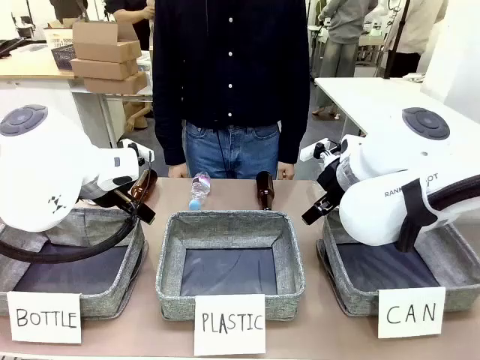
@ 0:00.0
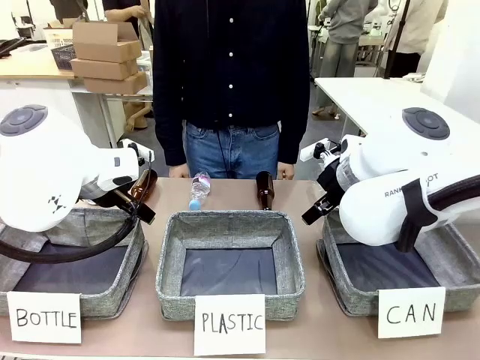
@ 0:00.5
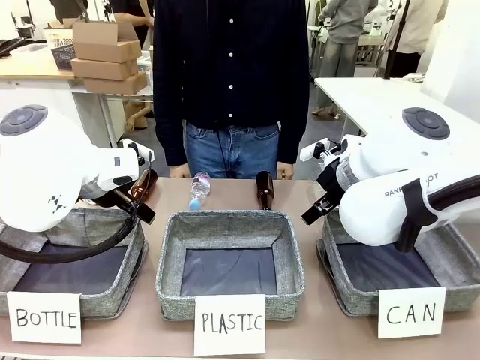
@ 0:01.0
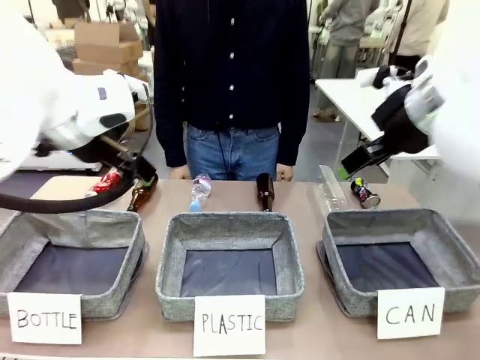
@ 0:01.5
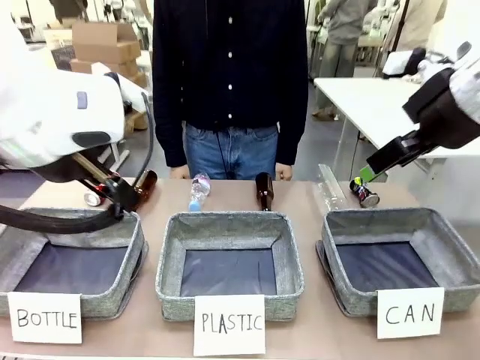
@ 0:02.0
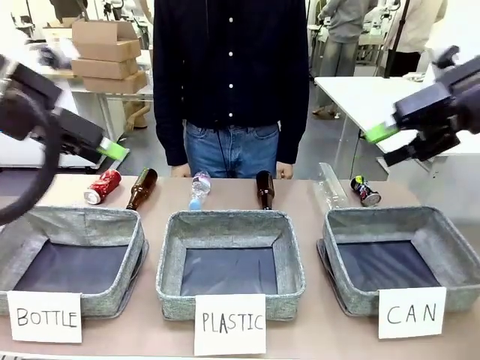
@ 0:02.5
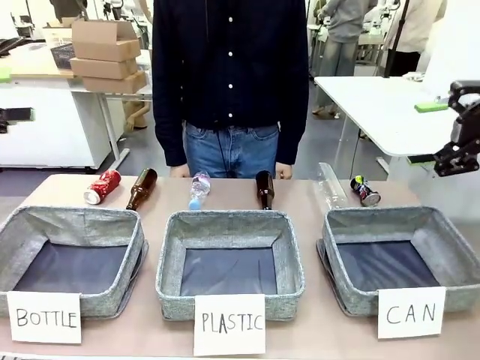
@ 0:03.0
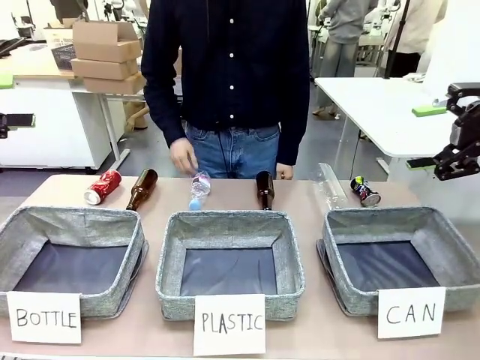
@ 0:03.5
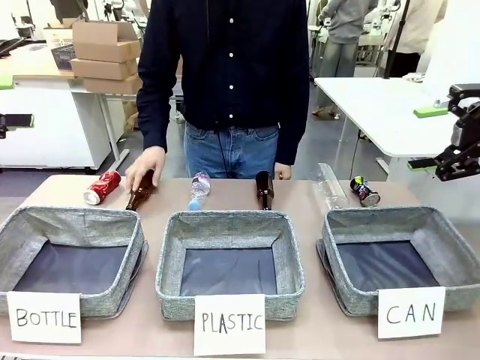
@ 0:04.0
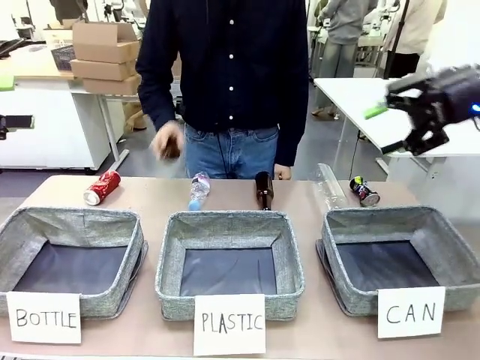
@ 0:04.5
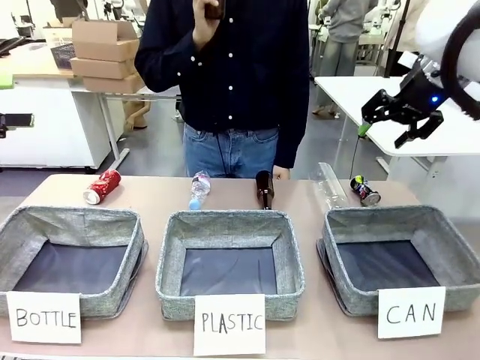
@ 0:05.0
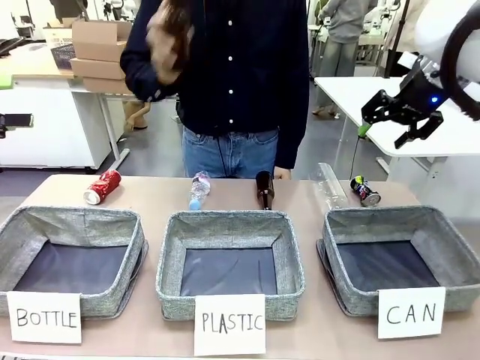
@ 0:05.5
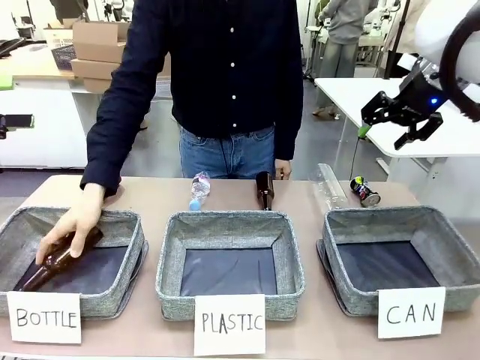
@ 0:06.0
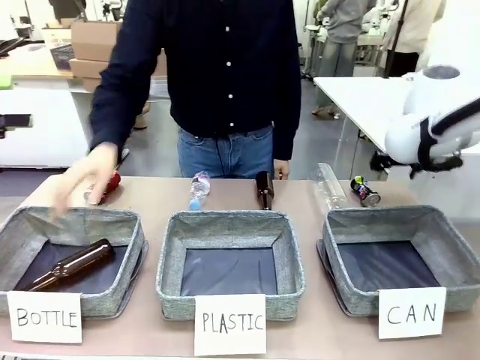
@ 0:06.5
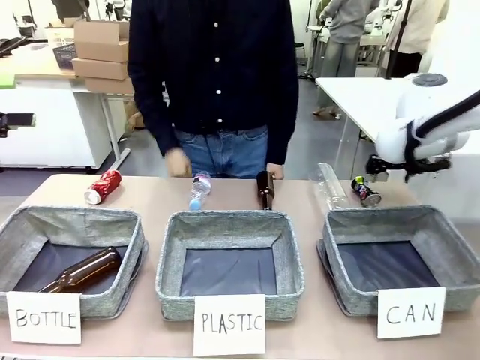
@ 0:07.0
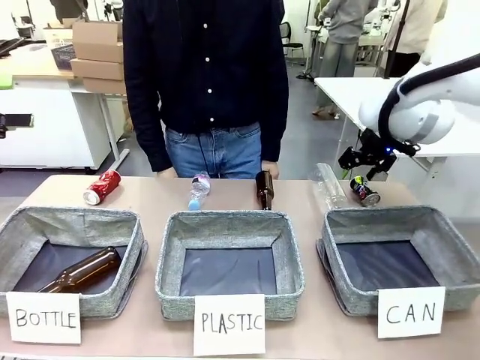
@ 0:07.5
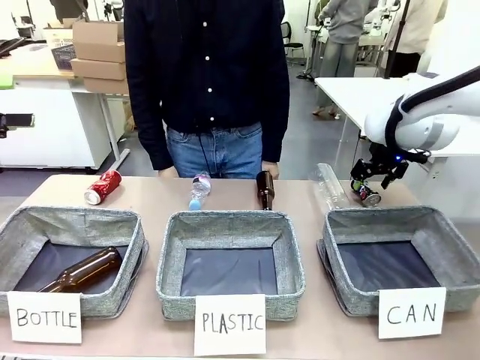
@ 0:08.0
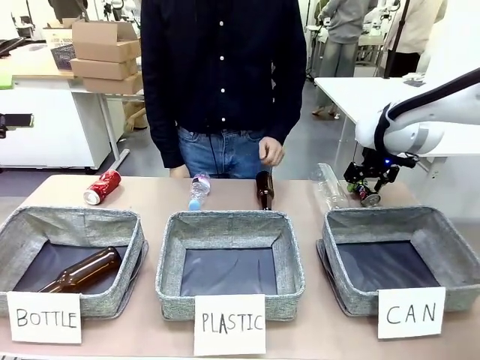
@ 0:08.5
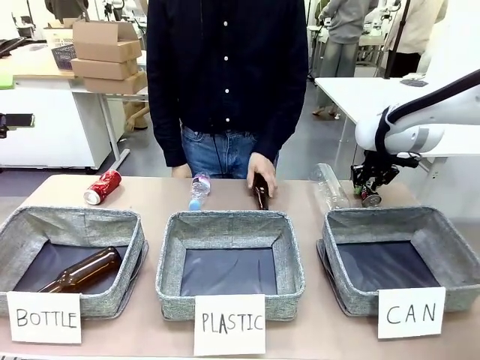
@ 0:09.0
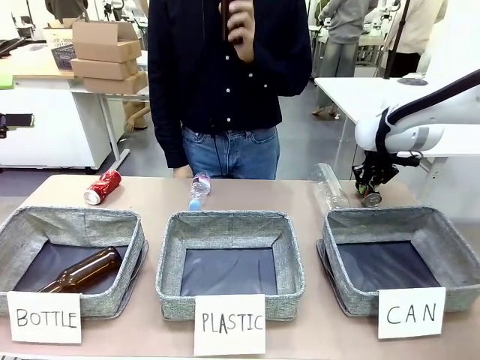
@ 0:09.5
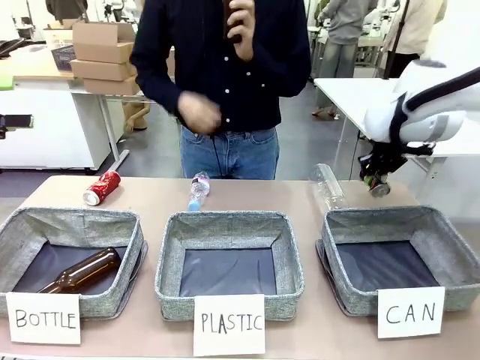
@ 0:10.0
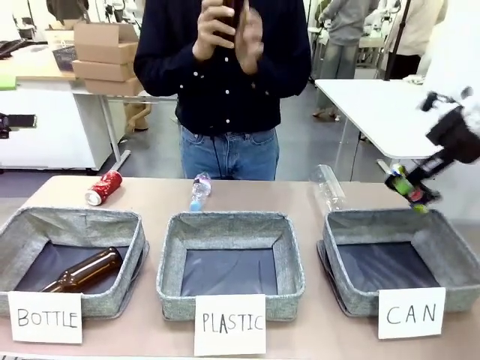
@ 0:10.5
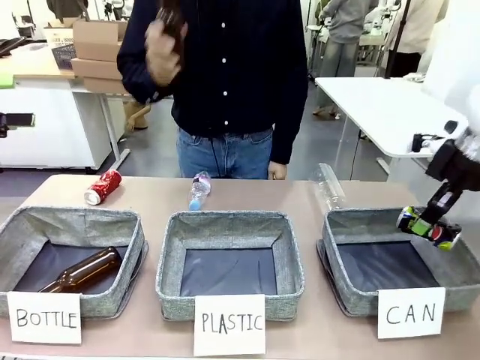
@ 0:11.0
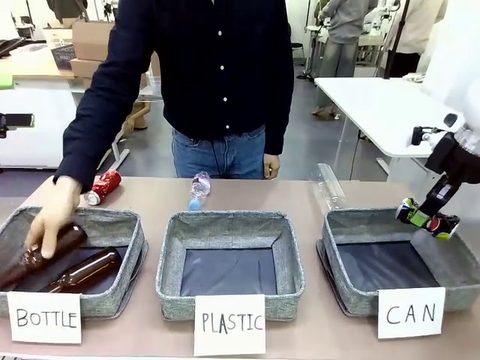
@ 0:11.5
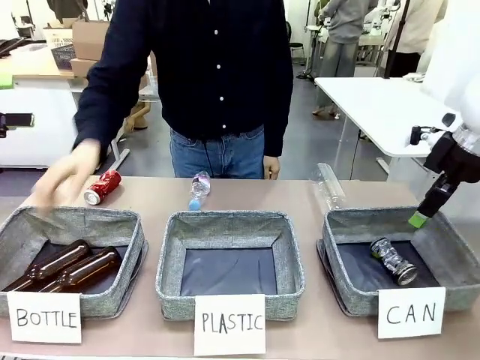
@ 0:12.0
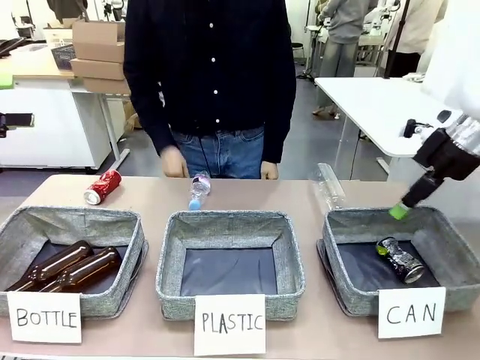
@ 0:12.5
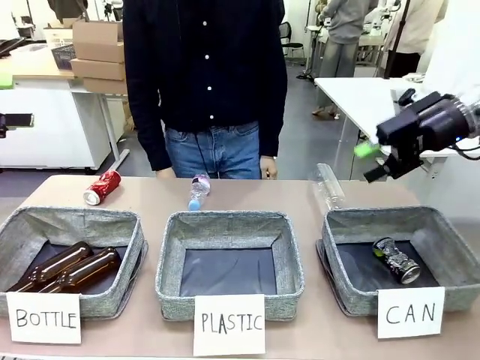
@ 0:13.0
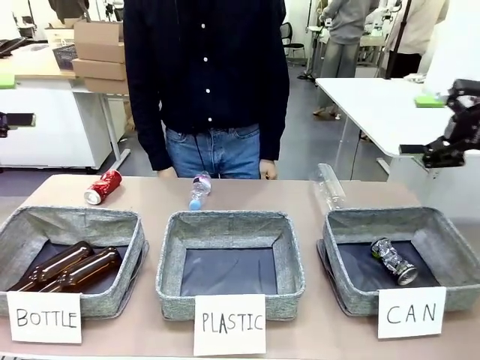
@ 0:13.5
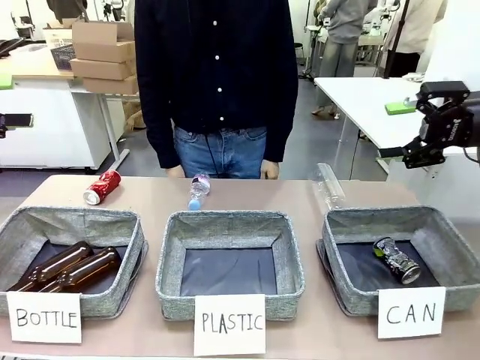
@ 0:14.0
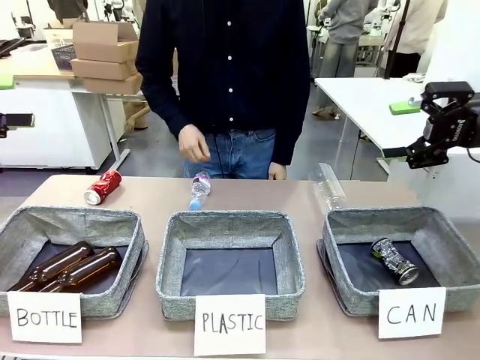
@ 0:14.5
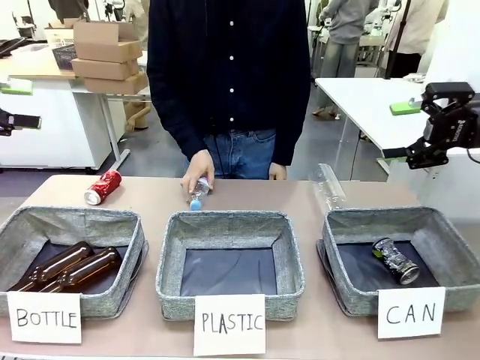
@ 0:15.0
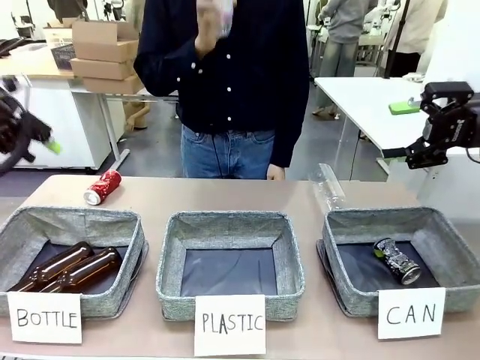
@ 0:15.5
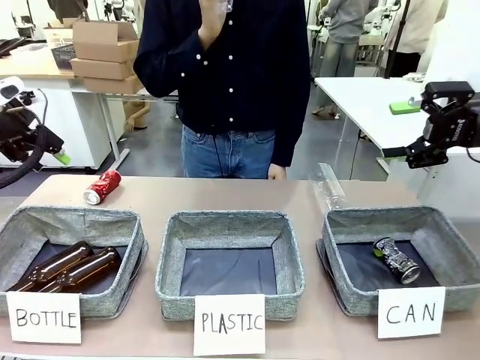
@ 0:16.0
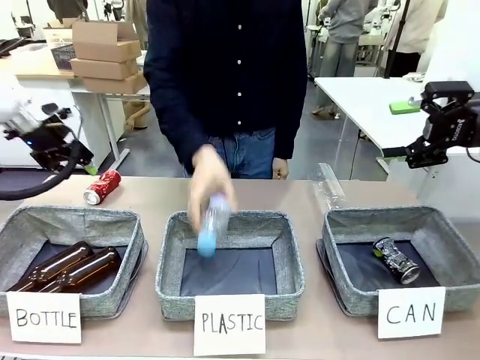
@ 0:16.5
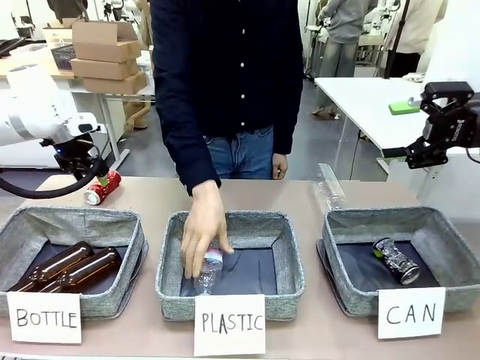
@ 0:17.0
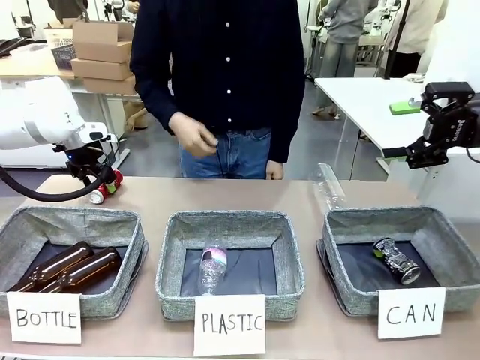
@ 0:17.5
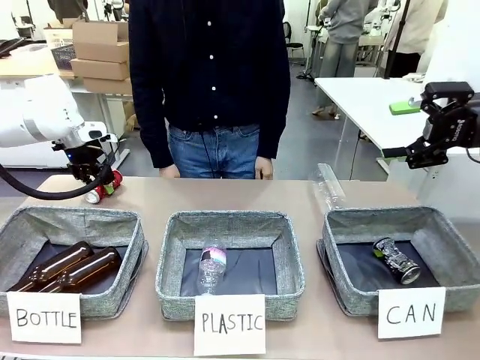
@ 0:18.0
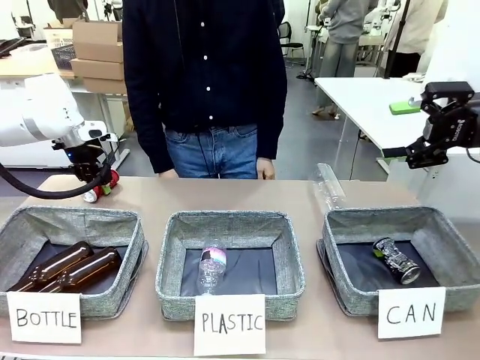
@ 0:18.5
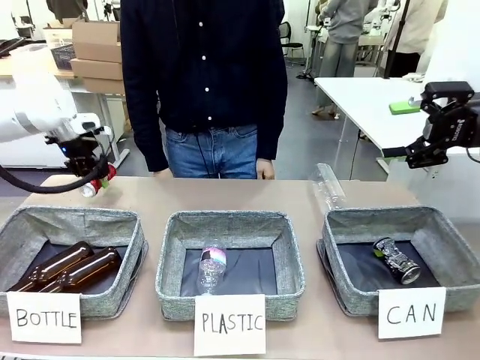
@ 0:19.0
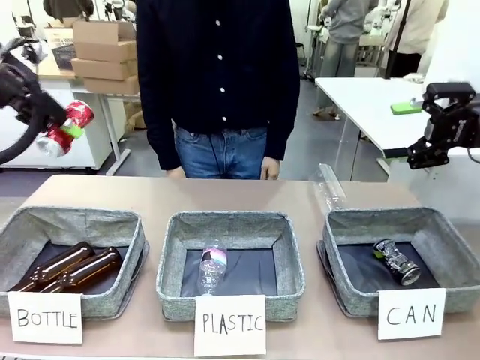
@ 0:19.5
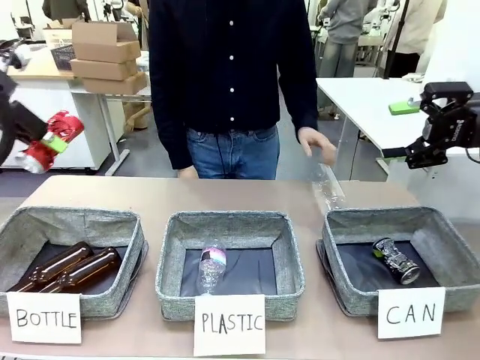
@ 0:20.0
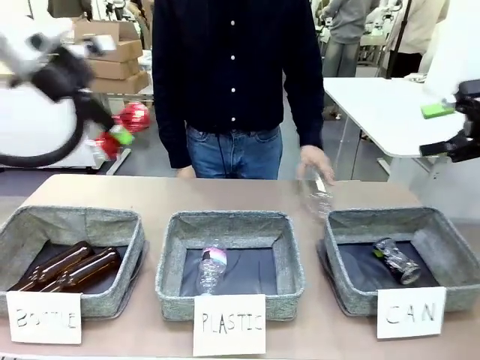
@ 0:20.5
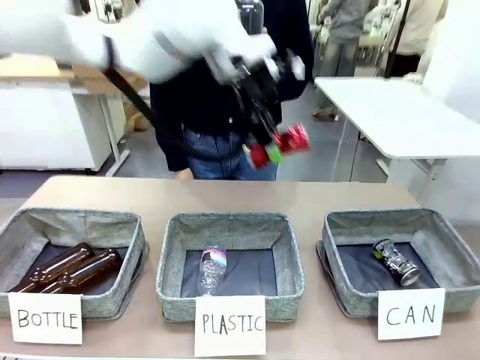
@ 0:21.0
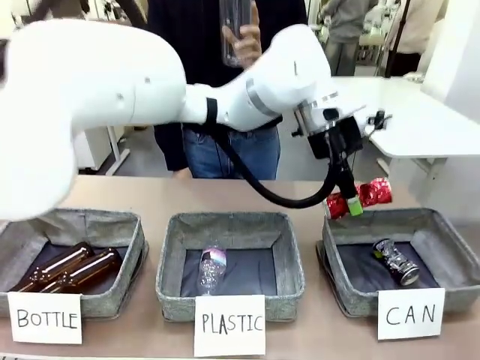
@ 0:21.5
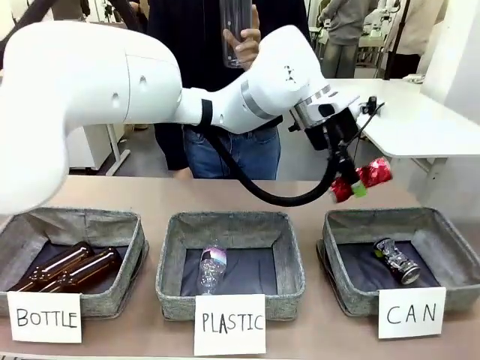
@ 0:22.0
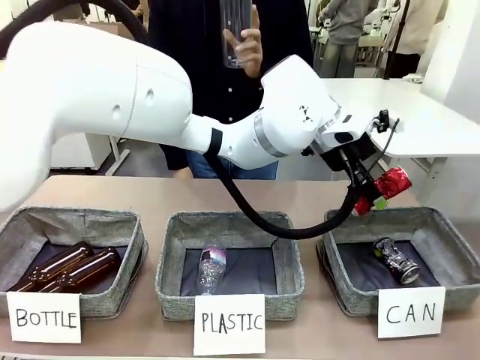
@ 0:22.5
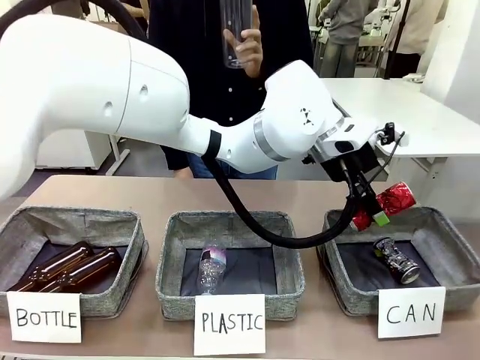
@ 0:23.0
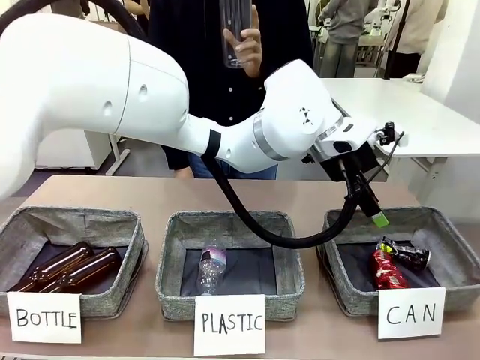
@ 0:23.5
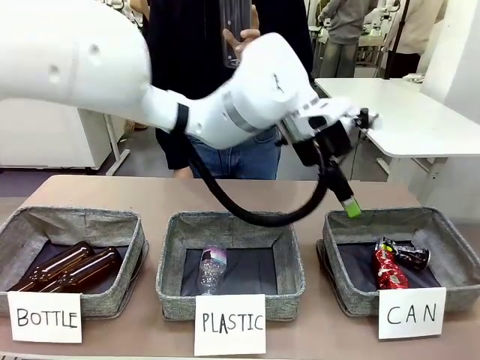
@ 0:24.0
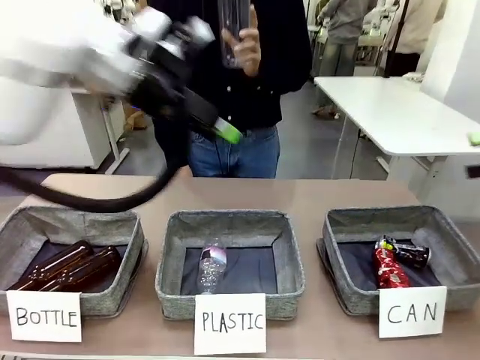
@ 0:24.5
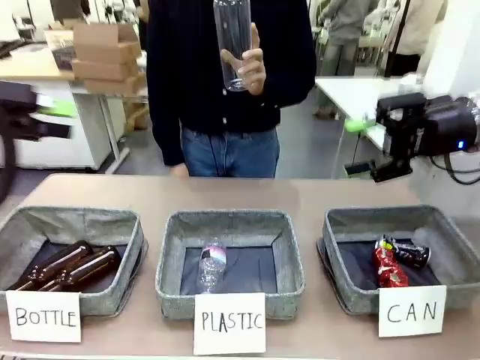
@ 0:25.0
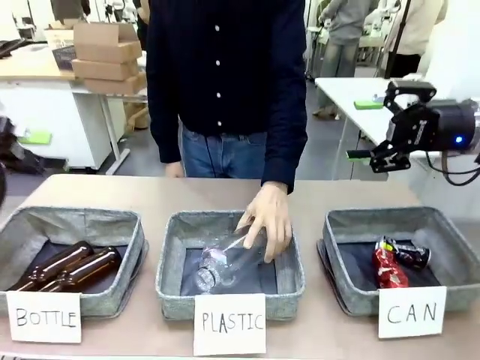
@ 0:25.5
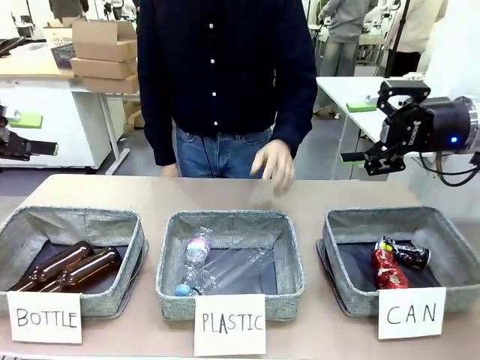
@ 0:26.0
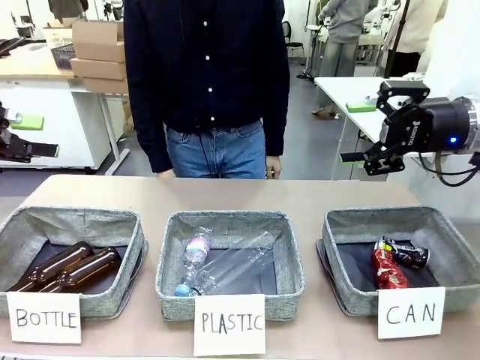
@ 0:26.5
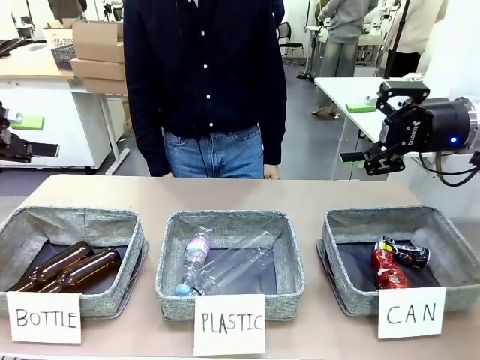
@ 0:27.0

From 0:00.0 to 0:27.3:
Task: Sort the can waste into the basket.
Robot: Pick up the can waste from the table and place it in the right Fabric basket.
Person: The human picks up one piece of trash that is not a can and places the trash into the appropriate organizing basket.
